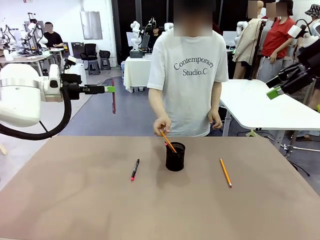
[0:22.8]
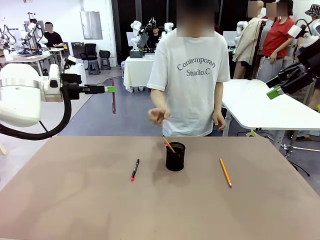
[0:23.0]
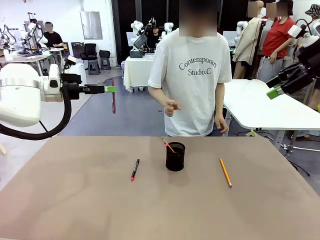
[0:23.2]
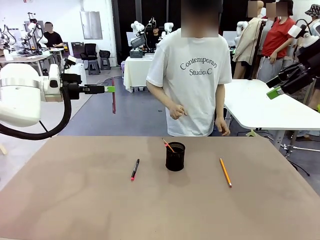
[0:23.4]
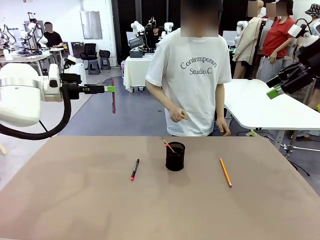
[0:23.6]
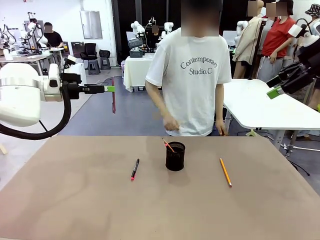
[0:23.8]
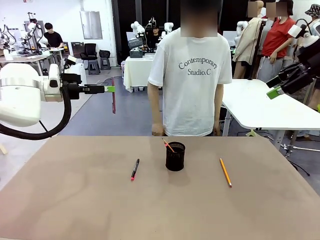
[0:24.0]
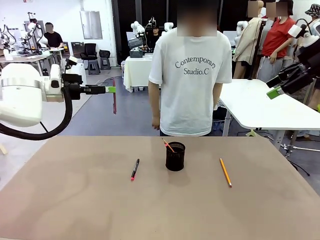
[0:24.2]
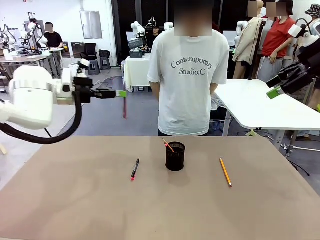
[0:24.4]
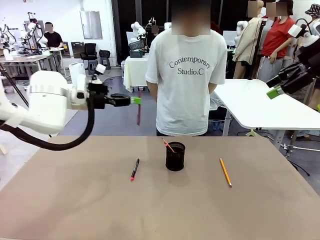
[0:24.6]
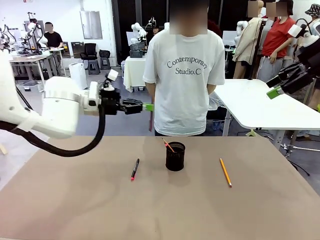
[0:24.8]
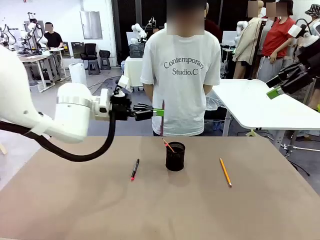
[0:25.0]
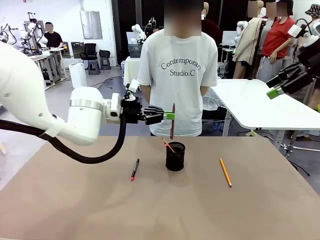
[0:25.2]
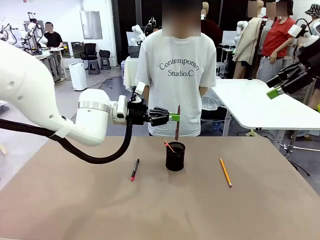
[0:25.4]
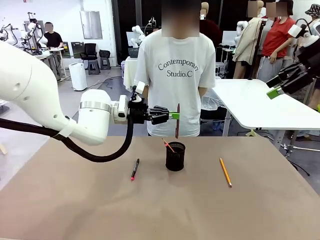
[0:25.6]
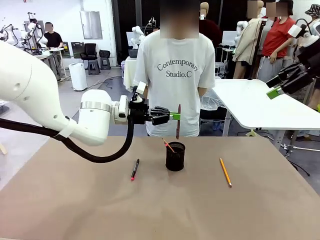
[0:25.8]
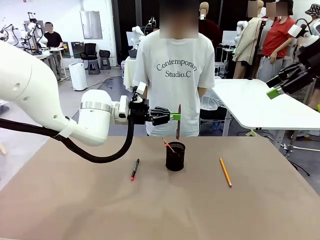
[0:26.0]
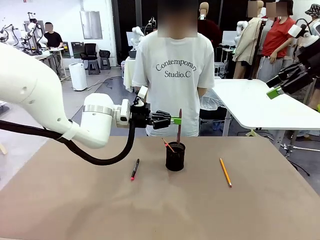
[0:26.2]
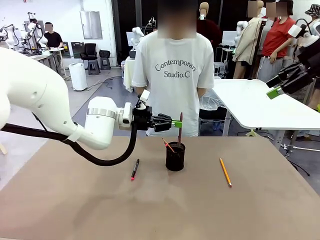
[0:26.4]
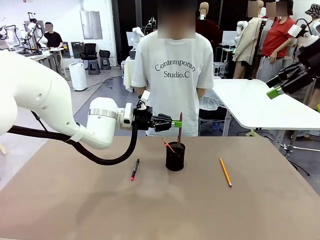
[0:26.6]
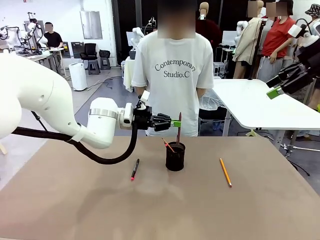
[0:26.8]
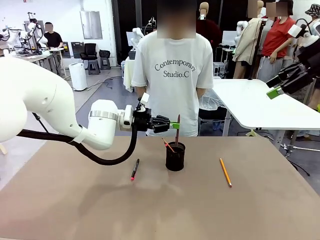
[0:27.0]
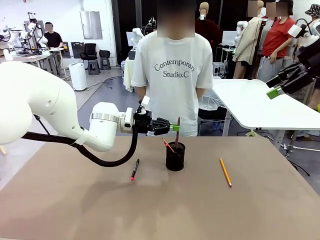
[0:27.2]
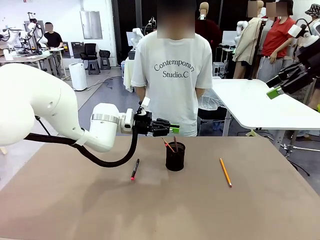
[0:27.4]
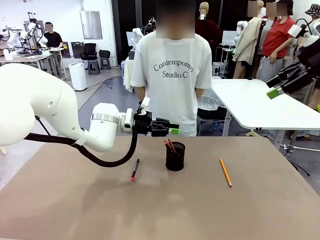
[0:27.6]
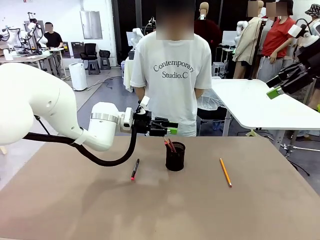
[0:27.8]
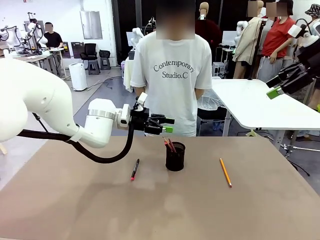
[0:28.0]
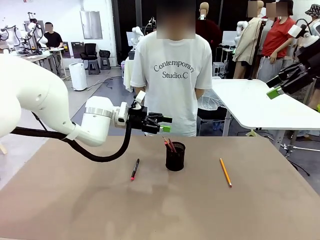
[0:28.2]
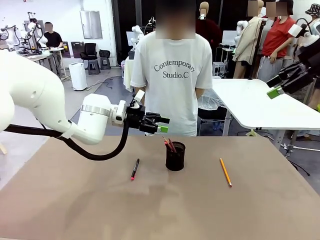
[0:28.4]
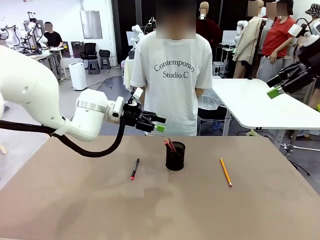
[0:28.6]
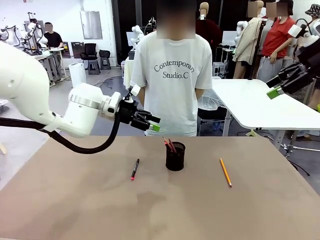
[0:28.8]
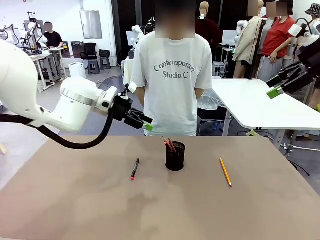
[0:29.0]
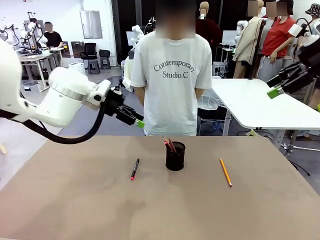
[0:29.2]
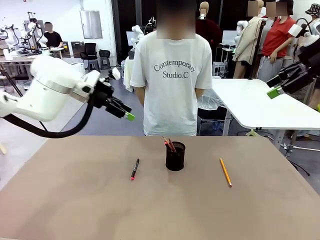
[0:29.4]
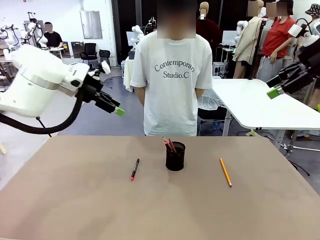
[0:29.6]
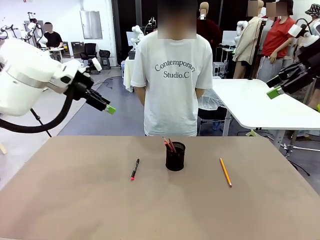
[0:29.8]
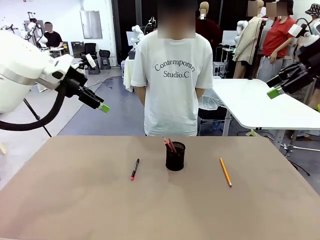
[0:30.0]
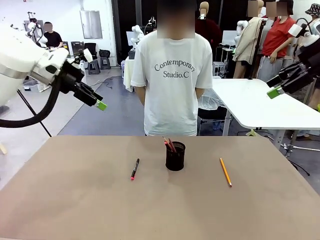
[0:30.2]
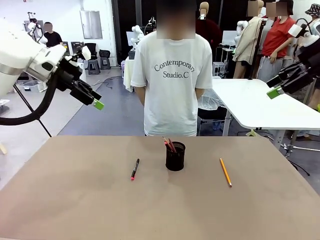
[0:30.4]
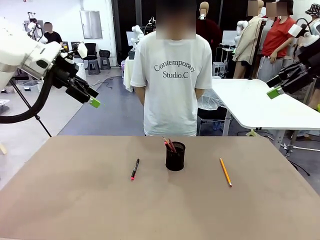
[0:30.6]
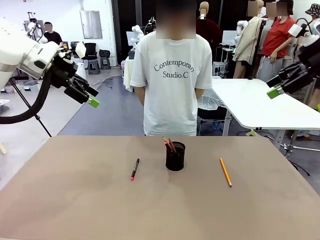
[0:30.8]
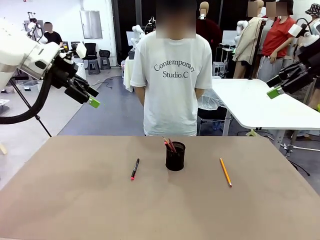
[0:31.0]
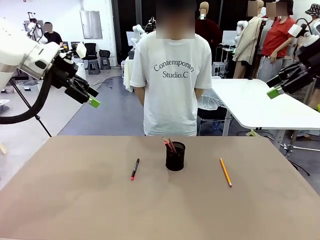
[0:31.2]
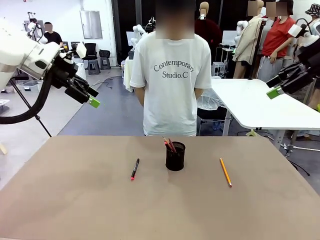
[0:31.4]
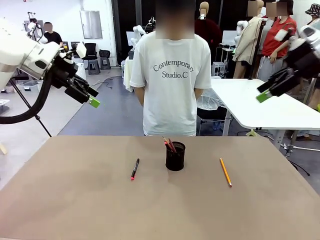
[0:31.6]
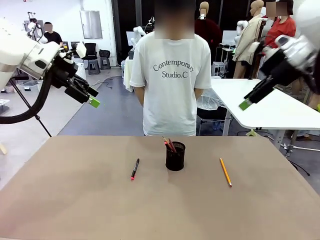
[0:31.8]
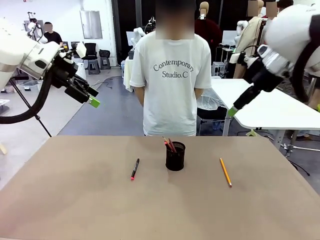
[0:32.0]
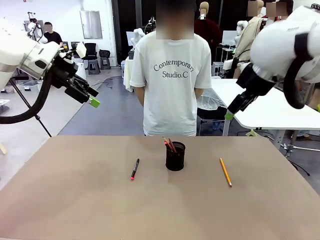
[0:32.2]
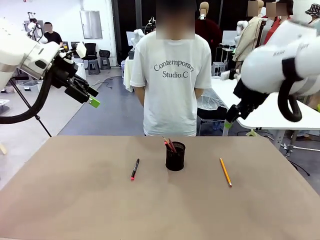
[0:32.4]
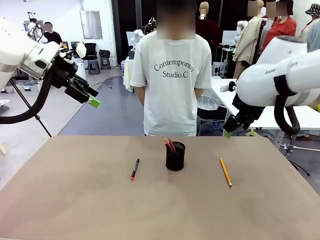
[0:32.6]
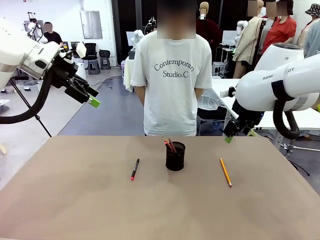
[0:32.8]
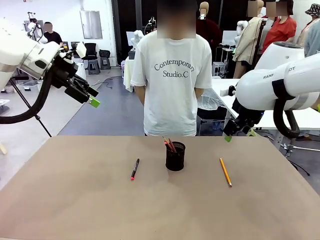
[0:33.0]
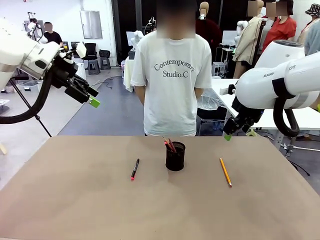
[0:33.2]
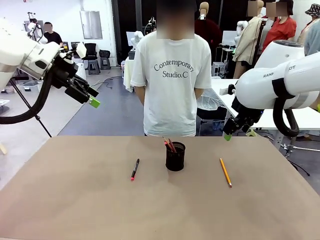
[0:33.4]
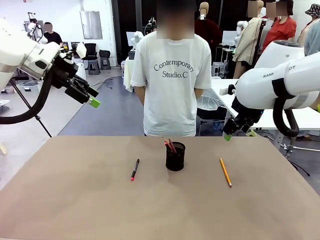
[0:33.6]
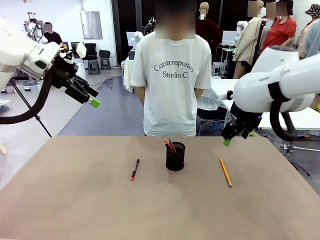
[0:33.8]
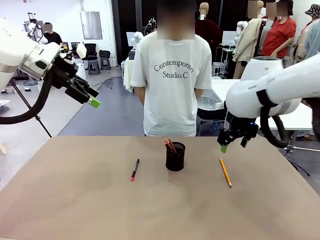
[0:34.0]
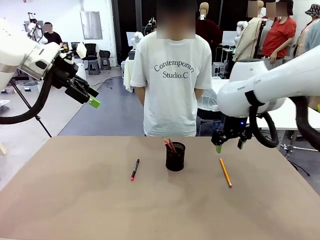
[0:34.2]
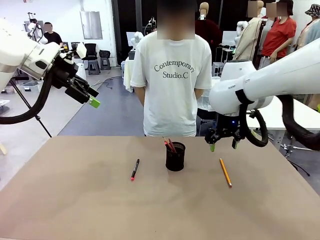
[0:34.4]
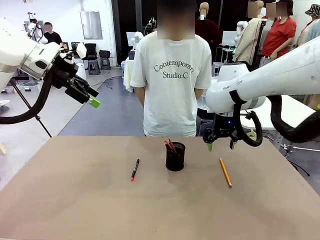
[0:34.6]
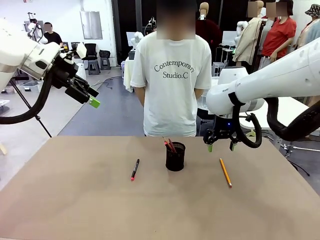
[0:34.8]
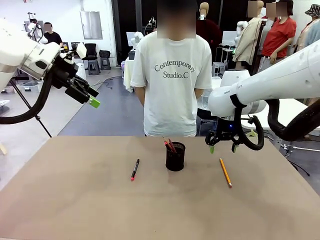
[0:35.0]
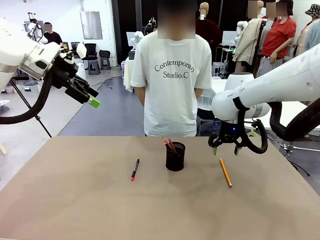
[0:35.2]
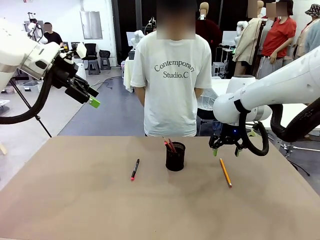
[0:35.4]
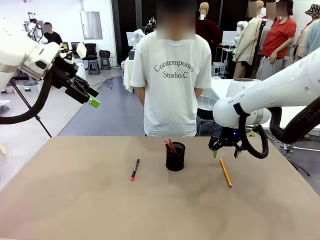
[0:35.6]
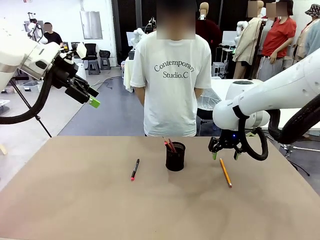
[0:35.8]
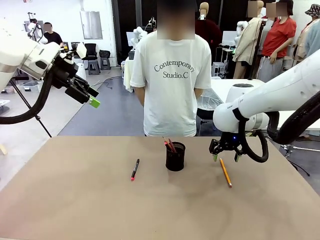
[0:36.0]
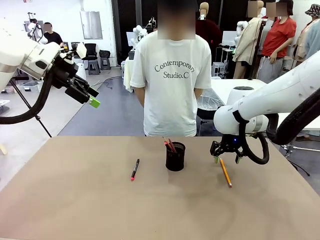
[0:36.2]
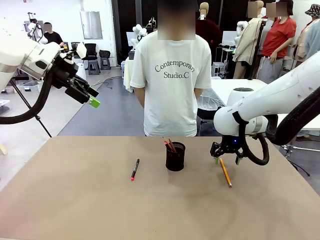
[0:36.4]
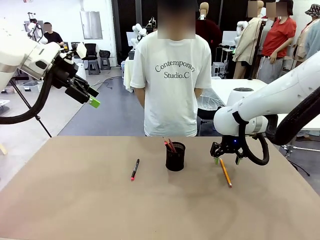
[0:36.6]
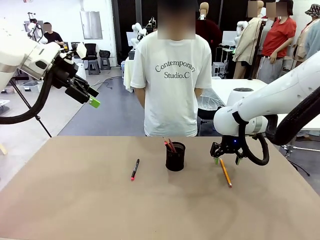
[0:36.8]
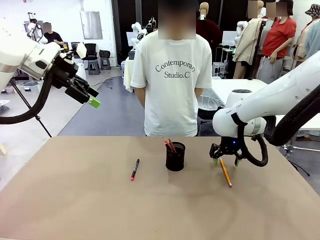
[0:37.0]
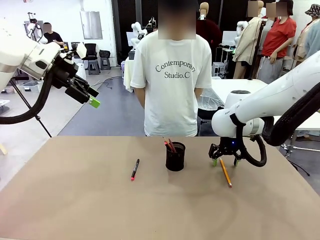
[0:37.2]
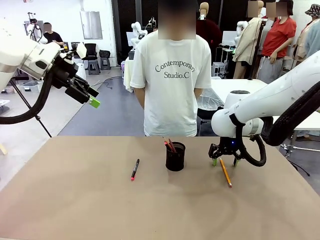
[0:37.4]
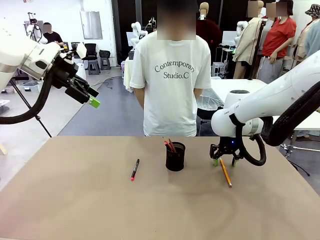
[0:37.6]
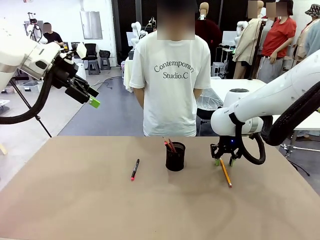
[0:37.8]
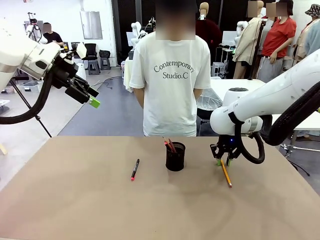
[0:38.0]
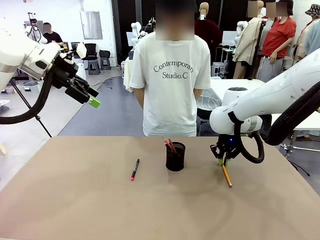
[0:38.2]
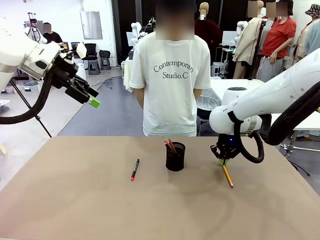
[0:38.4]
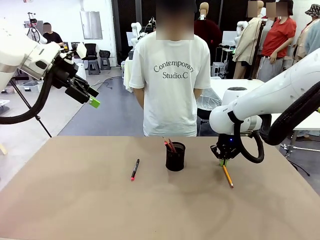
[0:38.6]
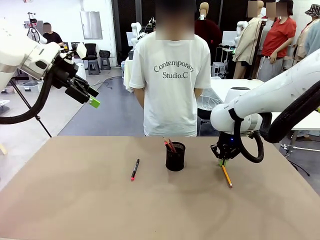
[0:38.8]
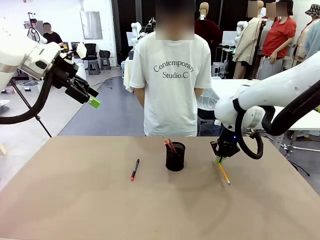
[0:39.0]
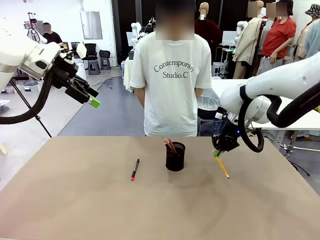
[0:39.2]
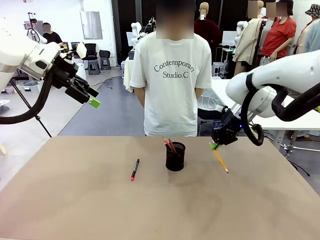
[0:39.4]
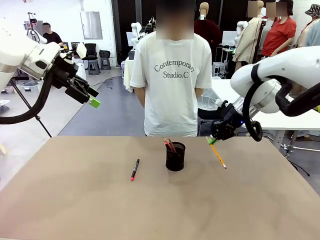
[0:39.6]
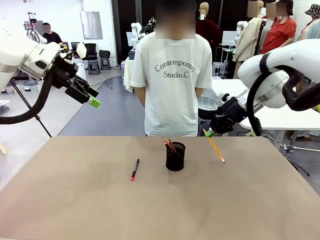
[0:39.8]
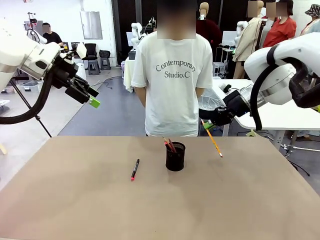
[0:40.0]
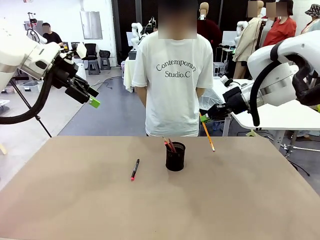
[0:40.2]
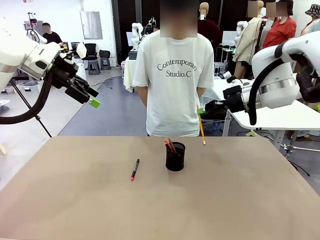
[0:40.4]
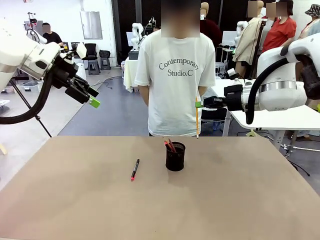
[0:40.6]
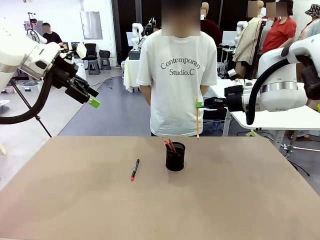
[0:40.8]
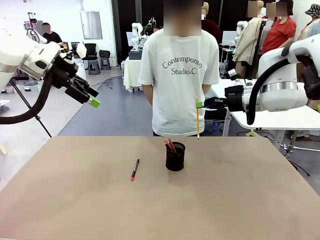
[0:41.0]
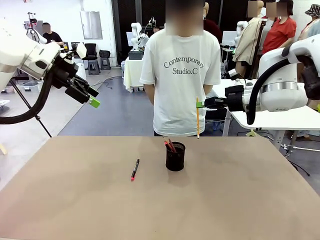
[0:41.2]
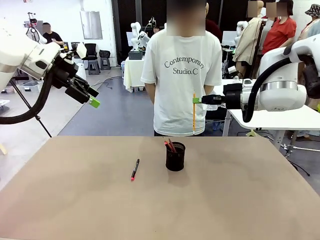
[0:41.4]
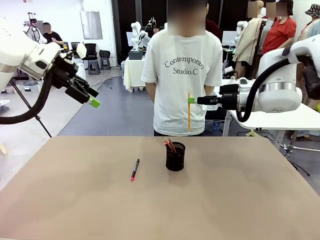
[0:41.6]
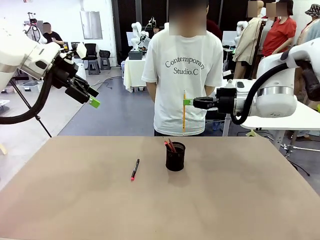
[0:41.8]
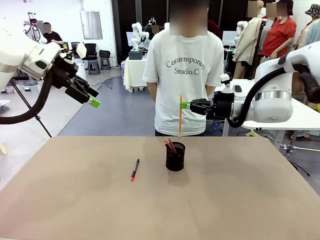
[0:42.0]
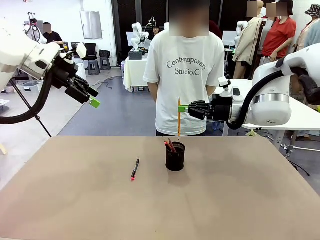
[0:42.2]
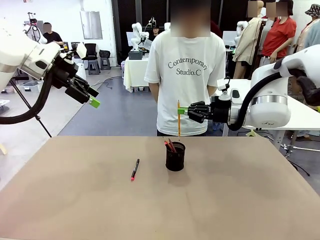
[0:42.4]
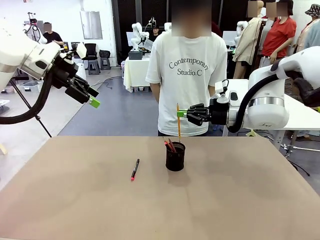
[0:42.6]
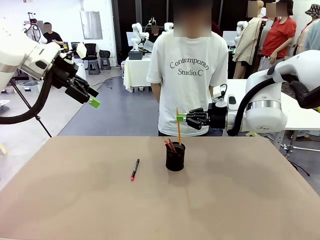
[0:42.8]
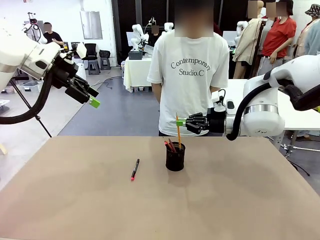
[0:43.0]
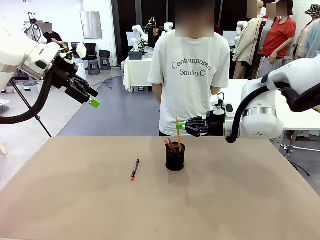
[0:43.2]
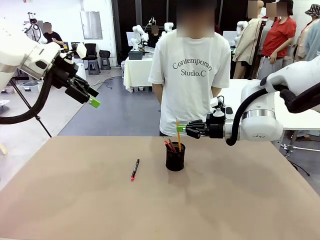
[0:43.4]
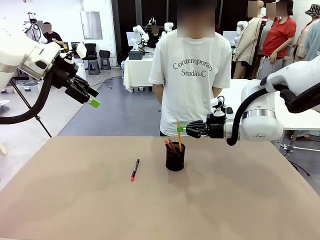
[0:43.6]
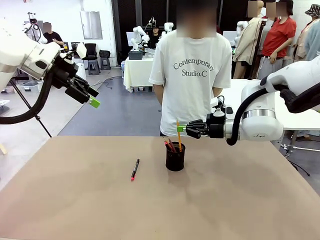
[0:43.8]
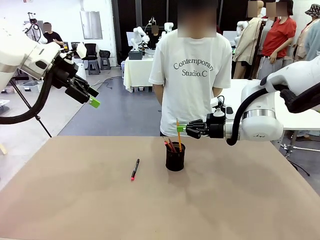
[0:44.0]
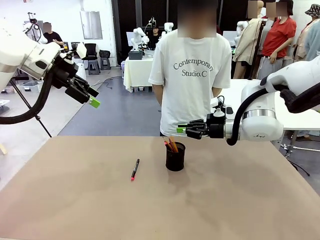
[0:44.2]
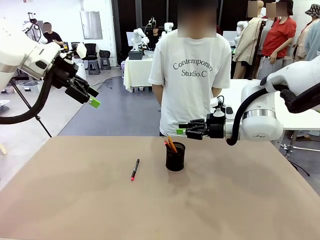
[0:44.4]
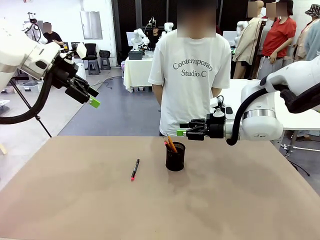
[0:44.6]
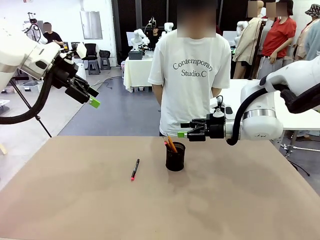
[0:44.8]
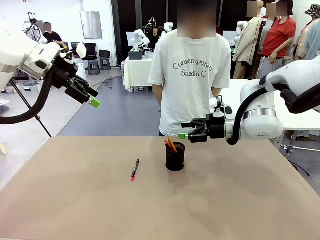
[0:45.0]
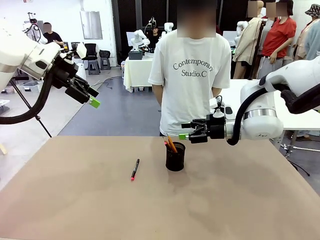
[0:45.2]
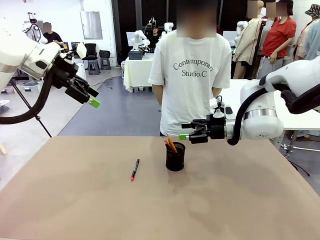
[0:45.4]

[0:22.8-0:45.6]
Task: Place the pens into the pen holder.
Robot: Pick up a writing instrument from the table and place it into the Pen holder.
